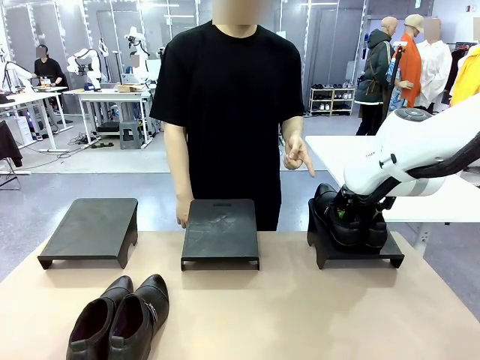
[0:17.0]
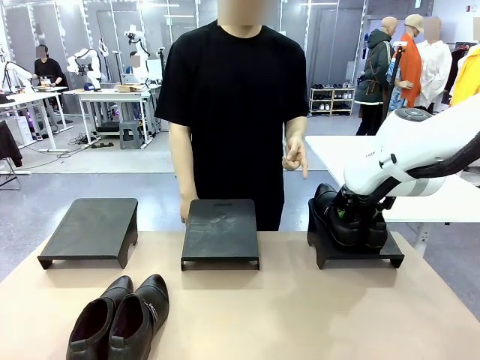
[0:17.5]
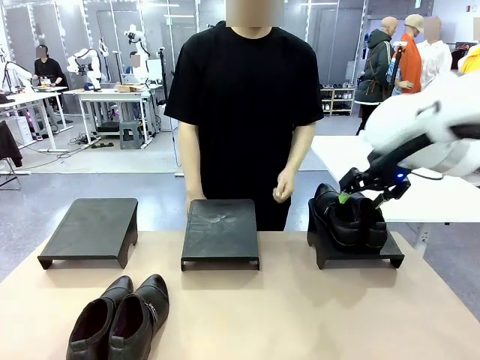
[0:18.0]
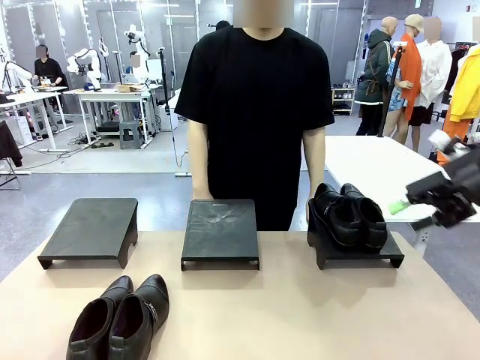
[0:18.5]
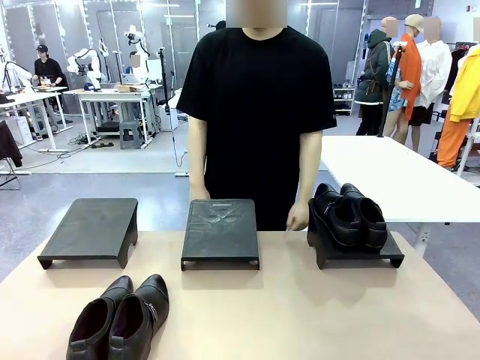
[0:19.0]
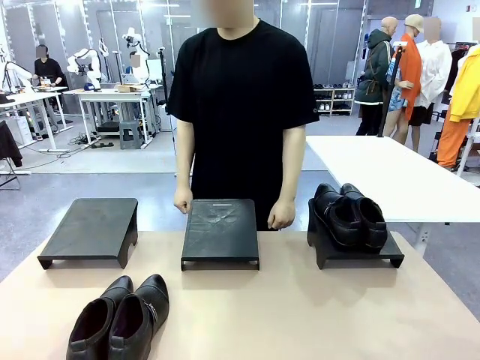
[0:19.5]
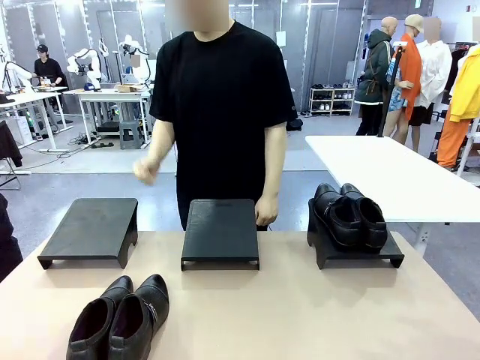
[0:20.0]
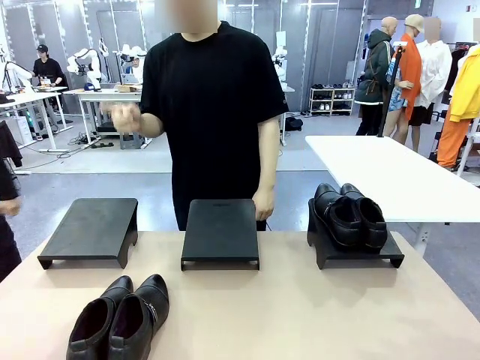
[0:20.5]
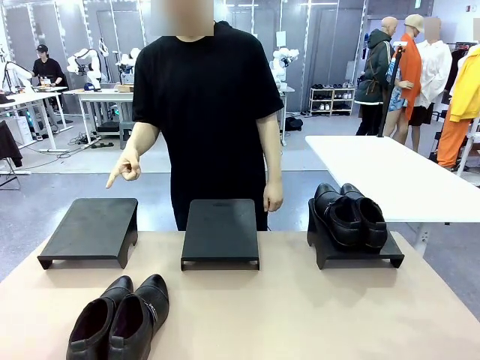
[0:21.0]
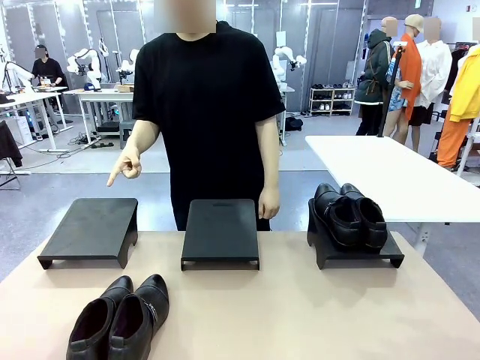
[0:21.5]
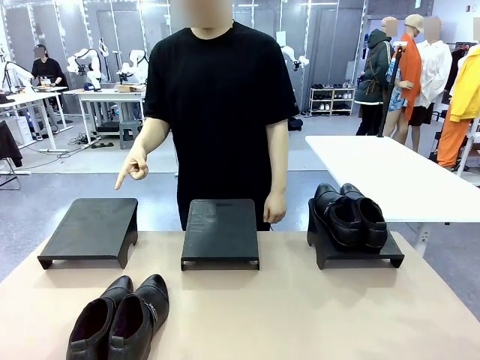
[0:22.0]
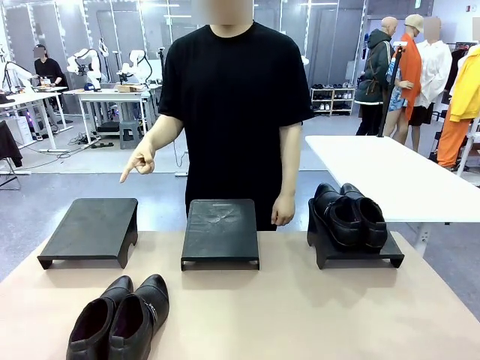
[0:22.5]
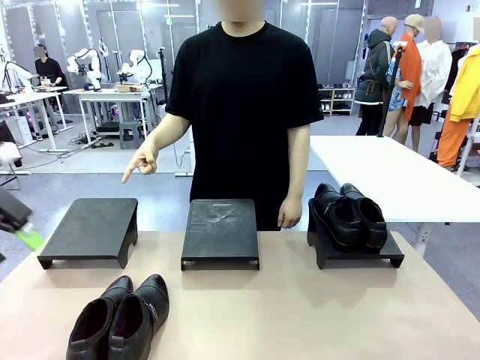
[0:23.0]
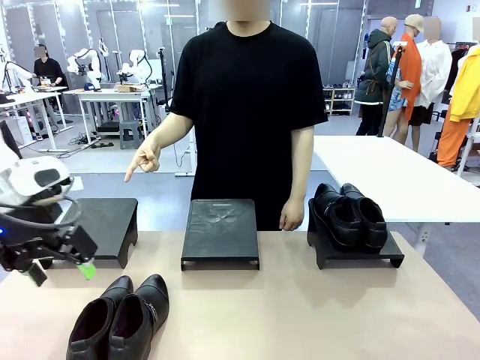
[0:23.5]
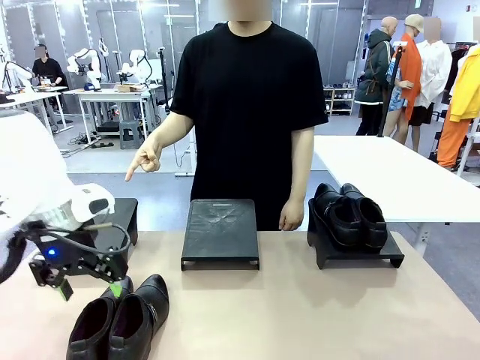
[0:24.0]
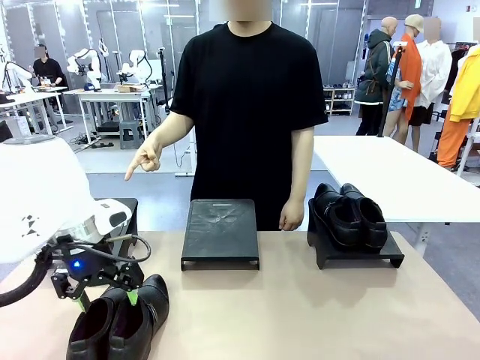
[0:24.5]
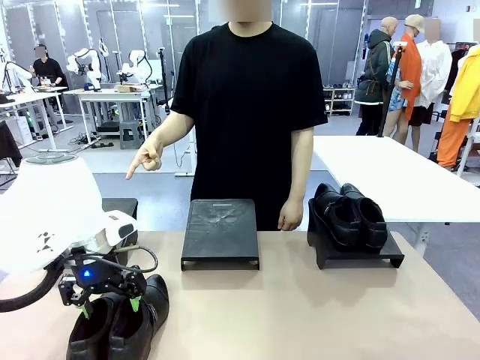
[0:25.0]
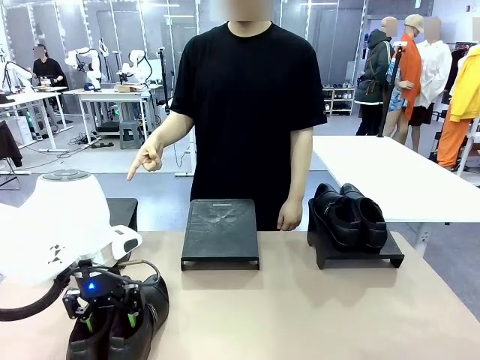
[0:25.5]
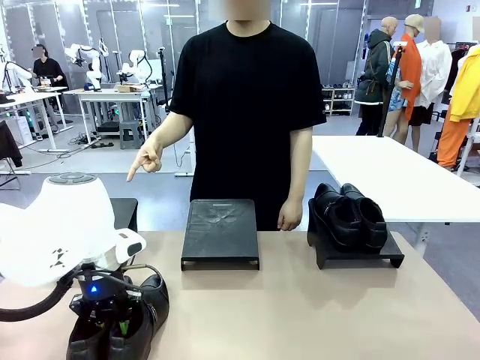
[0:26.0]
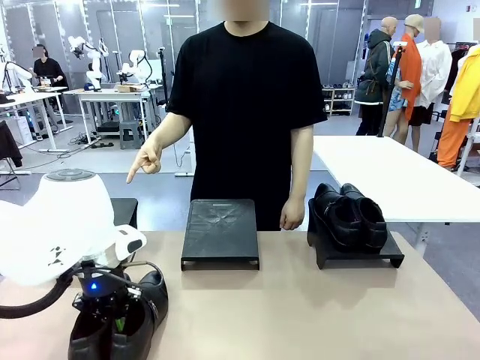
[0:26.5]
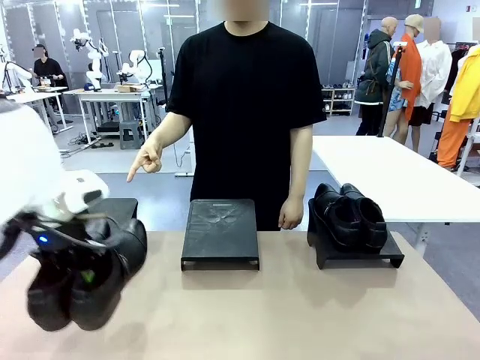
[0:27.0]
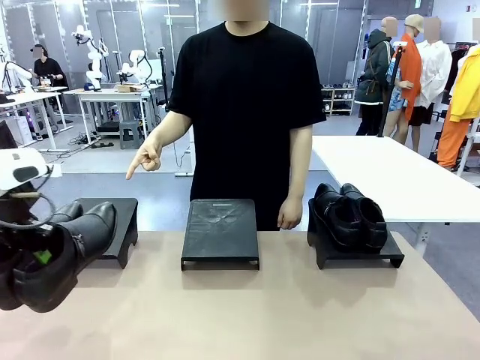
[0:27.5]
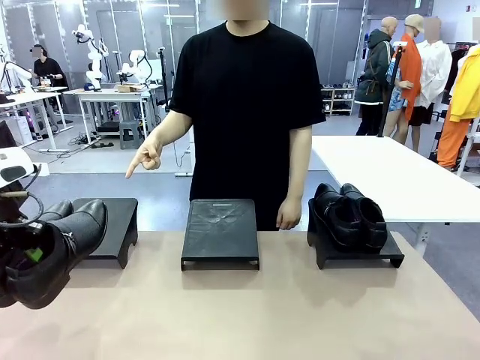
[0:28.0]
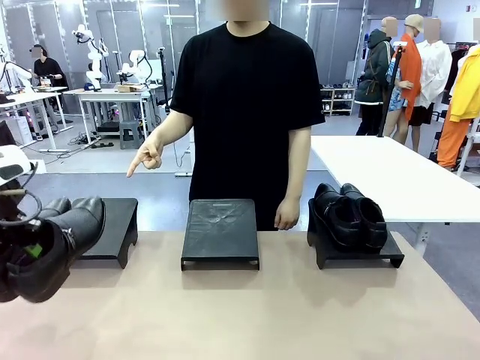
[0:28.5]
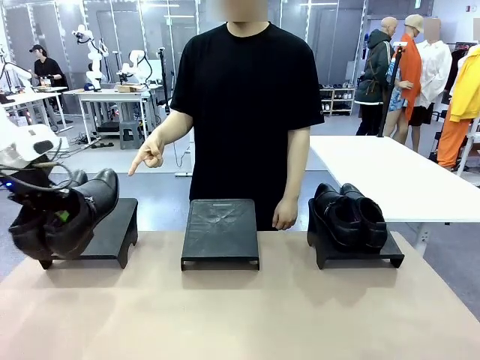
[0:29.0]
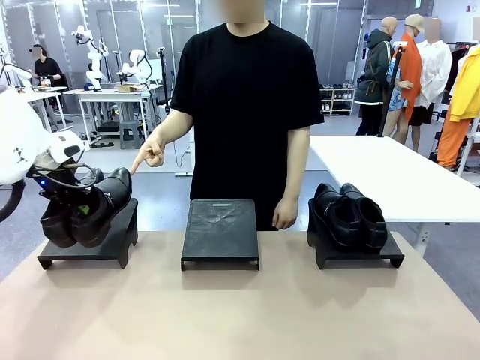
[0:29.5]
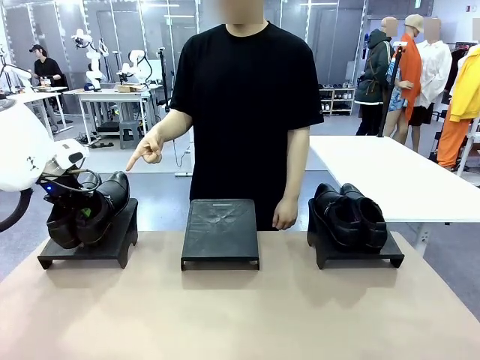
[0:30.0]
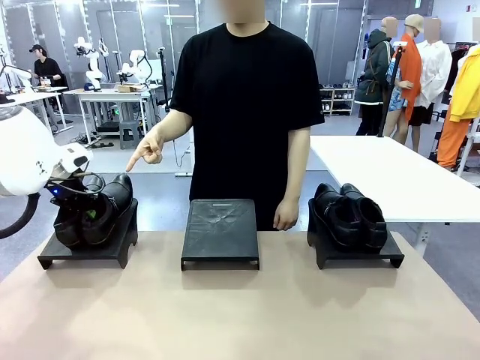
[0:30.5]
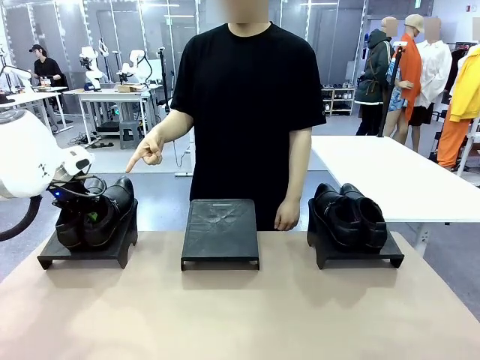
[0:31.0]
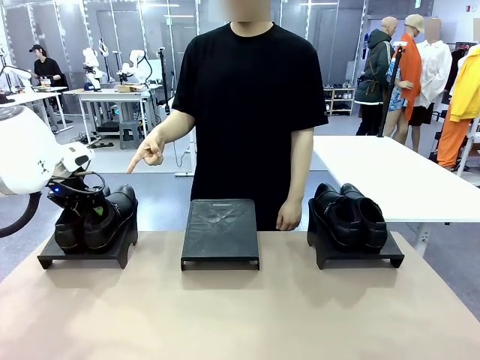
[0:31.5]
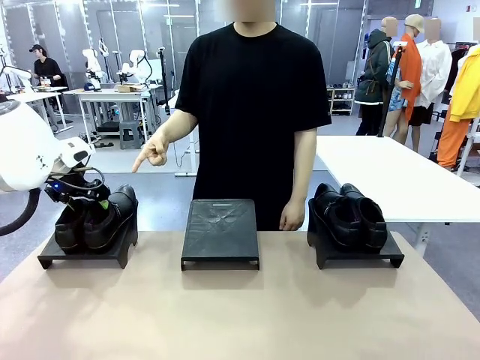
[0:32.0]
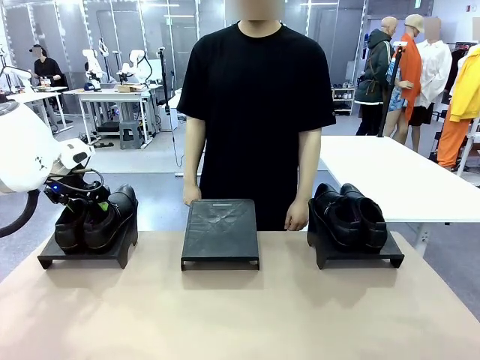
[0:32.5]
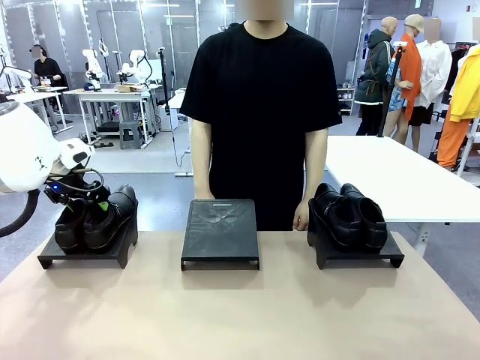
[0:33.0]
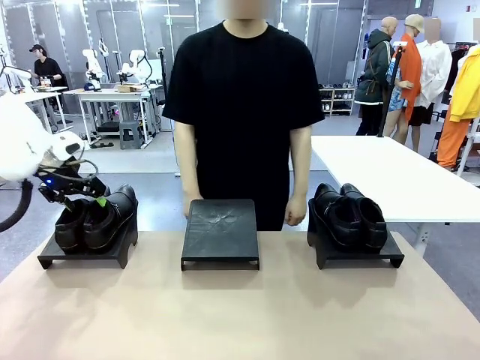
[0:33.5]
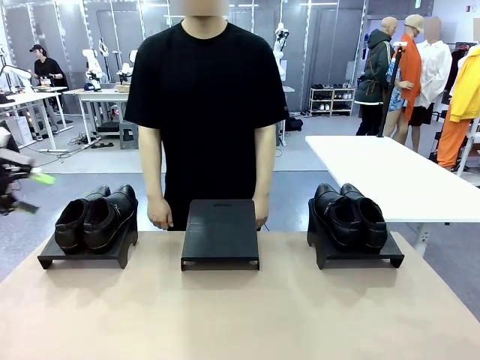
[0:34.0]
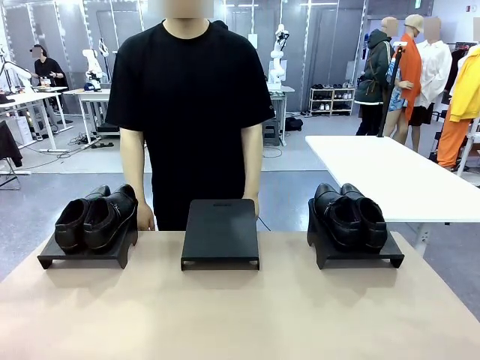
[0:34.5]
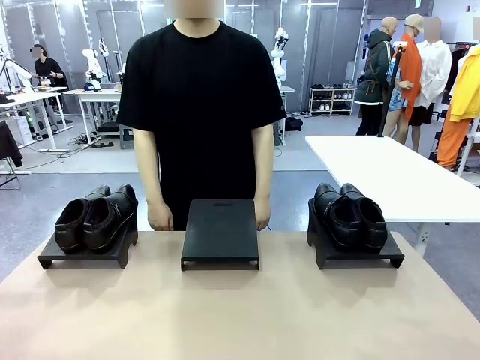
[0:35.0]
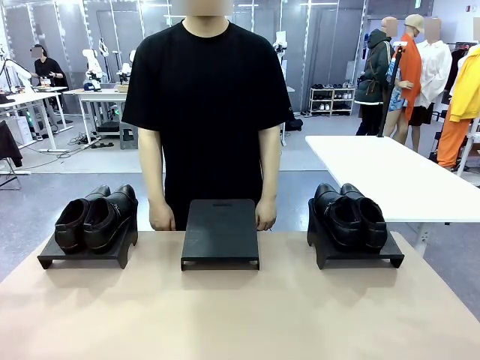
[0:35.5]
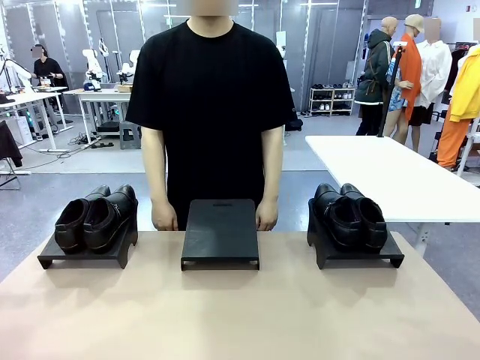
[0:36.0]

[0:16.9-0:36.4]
Task: Place the shoes on the stand as instructed by the person.
Robot: Pick up another pair of Shoes and place it on the Shoes Stand indicated by the person.
Person: Point to one Shoes Stand.
